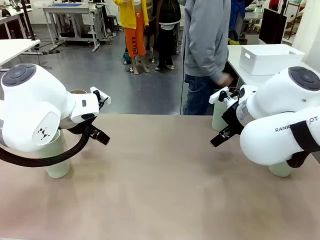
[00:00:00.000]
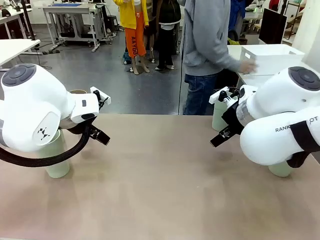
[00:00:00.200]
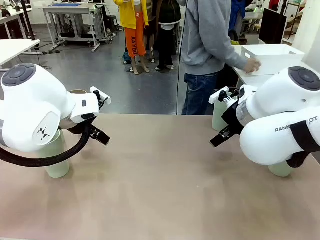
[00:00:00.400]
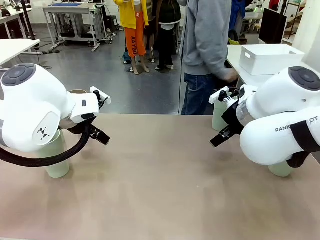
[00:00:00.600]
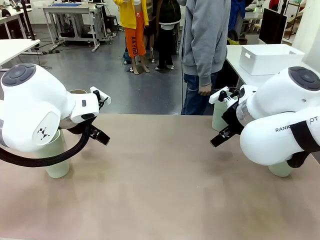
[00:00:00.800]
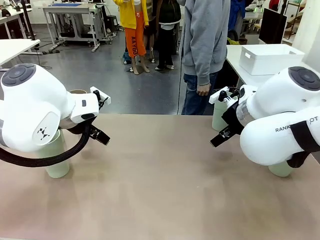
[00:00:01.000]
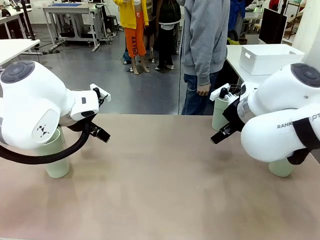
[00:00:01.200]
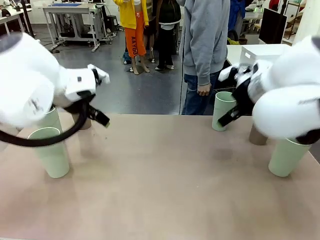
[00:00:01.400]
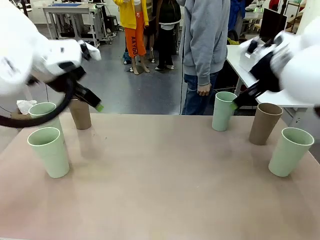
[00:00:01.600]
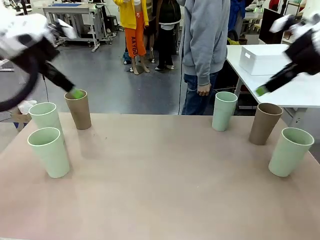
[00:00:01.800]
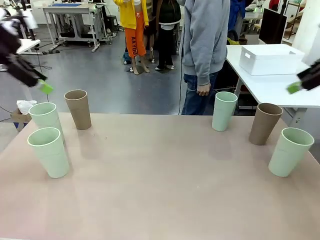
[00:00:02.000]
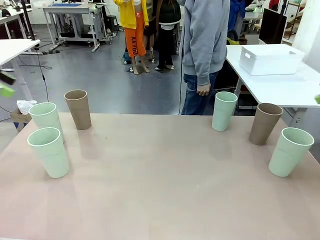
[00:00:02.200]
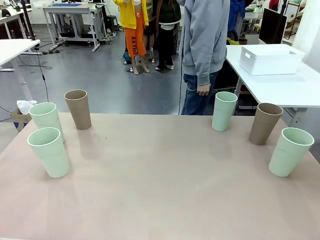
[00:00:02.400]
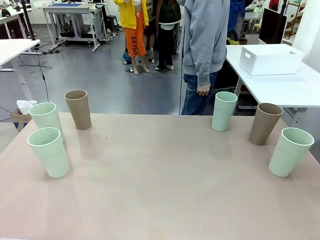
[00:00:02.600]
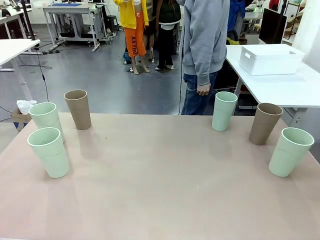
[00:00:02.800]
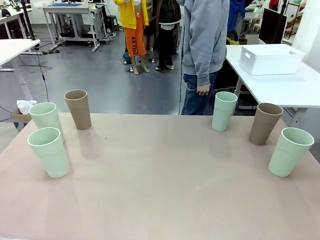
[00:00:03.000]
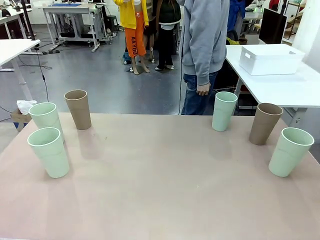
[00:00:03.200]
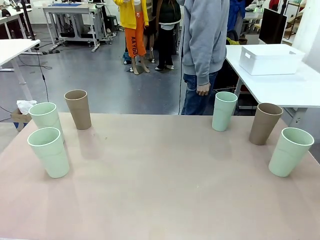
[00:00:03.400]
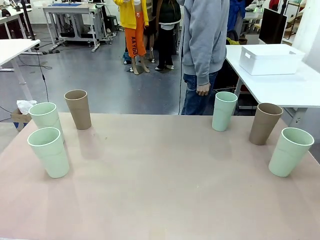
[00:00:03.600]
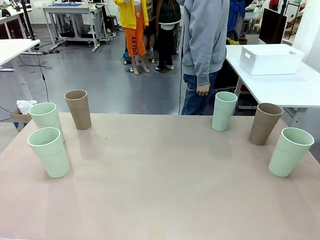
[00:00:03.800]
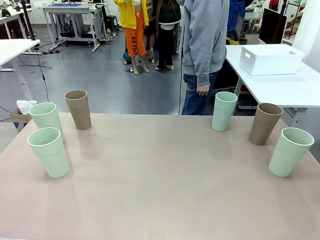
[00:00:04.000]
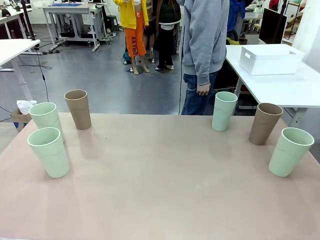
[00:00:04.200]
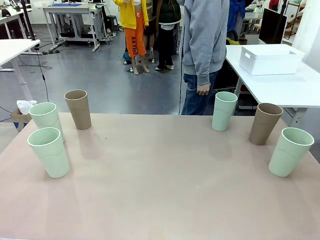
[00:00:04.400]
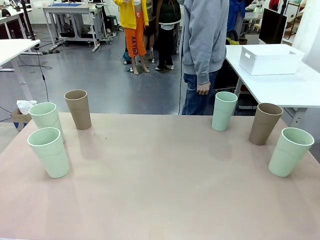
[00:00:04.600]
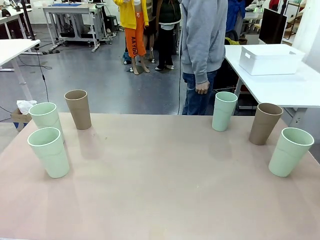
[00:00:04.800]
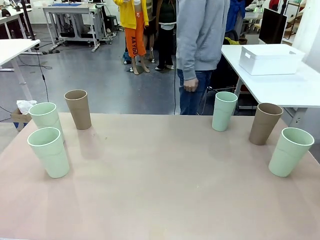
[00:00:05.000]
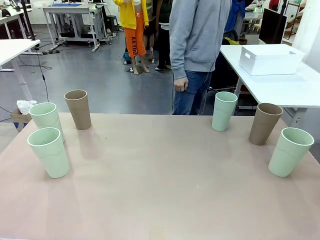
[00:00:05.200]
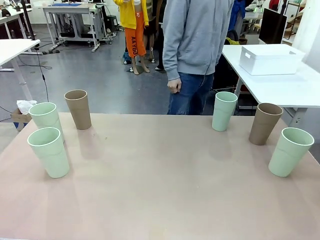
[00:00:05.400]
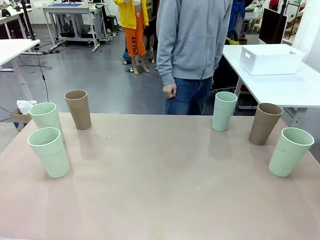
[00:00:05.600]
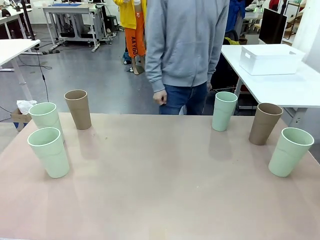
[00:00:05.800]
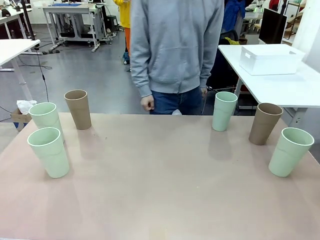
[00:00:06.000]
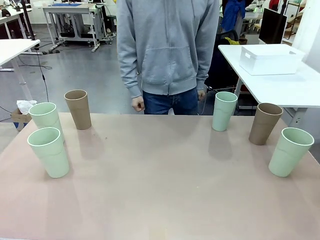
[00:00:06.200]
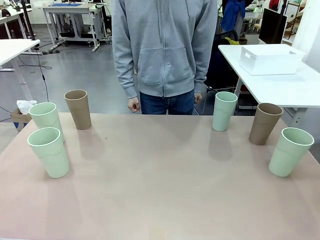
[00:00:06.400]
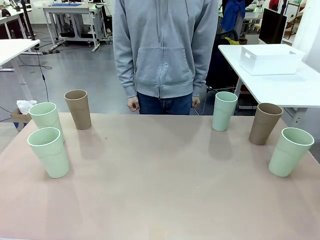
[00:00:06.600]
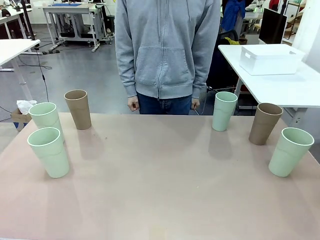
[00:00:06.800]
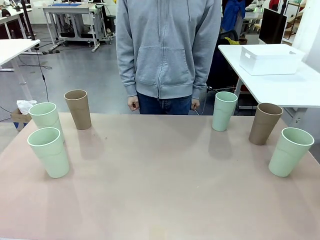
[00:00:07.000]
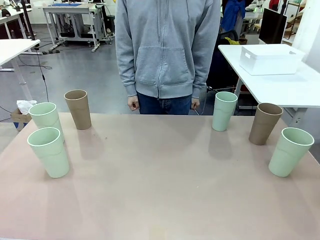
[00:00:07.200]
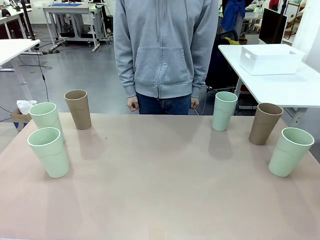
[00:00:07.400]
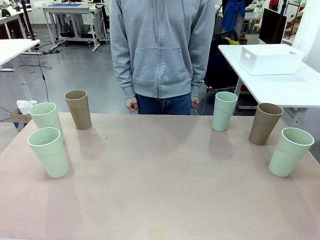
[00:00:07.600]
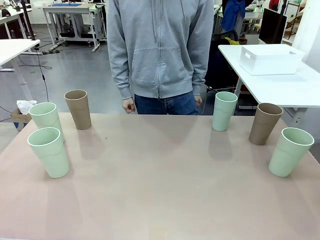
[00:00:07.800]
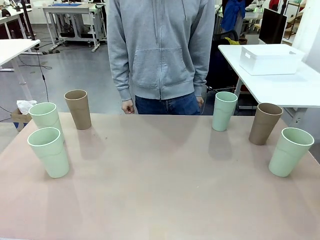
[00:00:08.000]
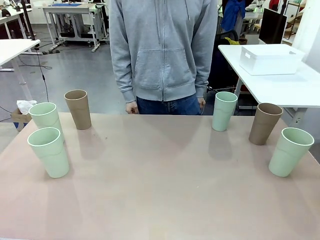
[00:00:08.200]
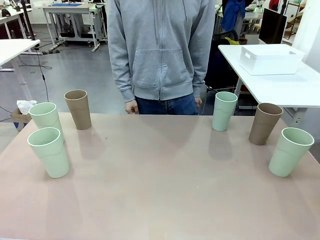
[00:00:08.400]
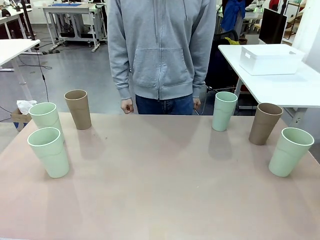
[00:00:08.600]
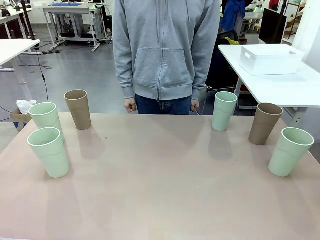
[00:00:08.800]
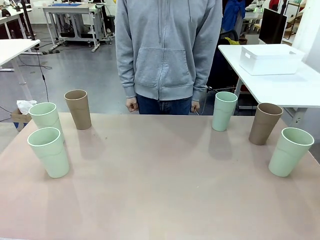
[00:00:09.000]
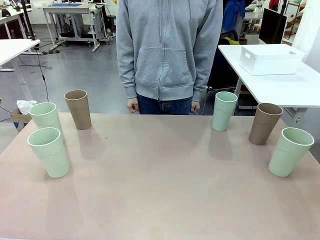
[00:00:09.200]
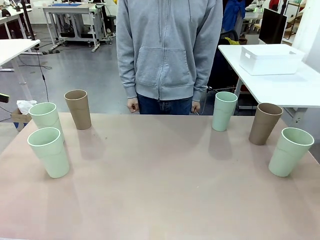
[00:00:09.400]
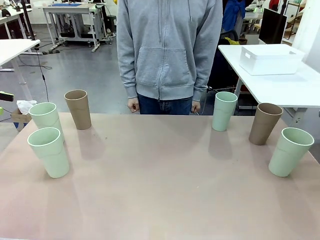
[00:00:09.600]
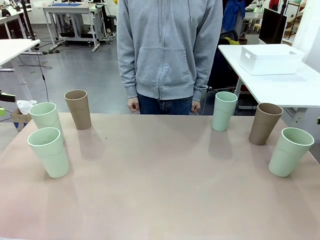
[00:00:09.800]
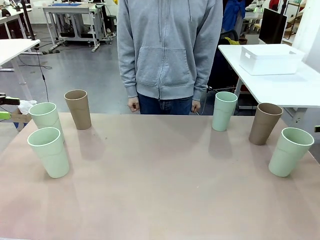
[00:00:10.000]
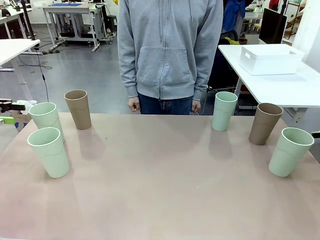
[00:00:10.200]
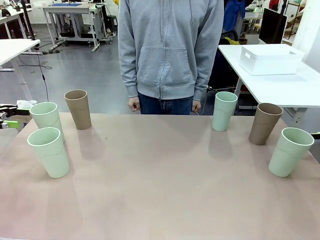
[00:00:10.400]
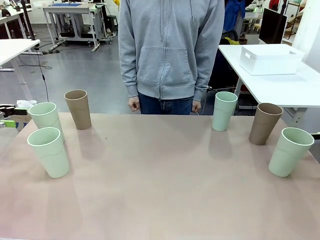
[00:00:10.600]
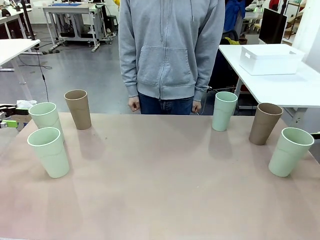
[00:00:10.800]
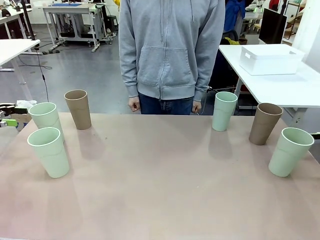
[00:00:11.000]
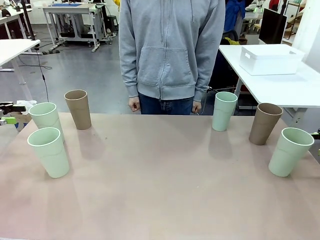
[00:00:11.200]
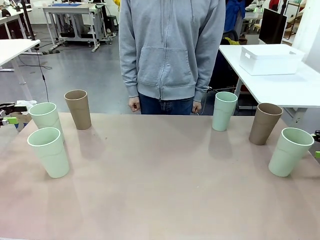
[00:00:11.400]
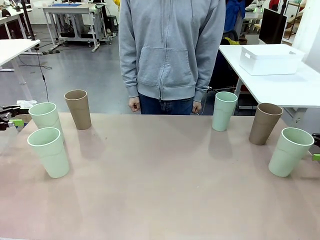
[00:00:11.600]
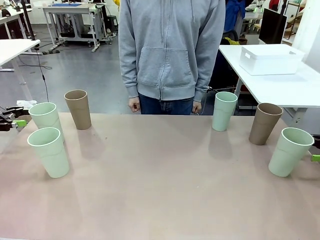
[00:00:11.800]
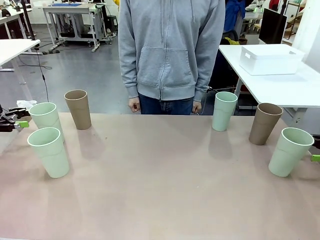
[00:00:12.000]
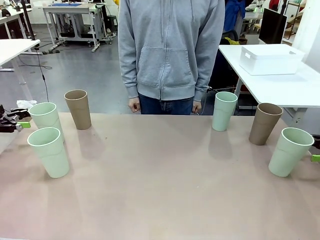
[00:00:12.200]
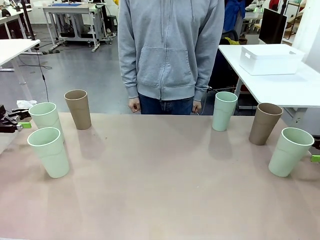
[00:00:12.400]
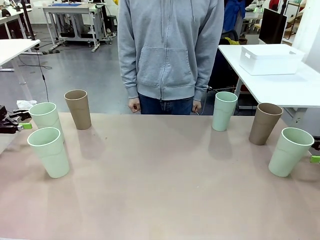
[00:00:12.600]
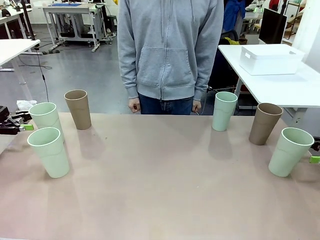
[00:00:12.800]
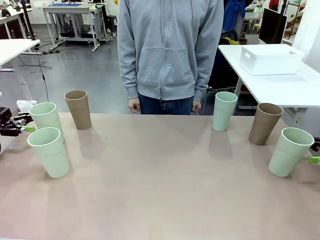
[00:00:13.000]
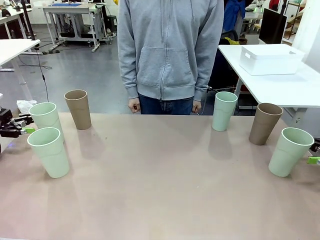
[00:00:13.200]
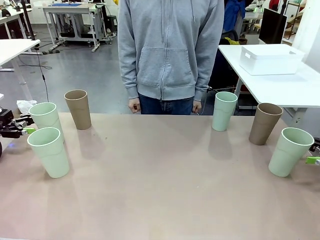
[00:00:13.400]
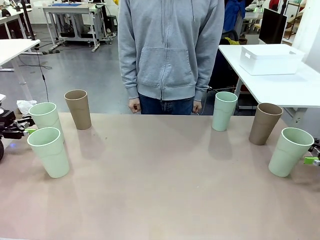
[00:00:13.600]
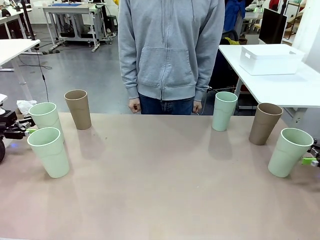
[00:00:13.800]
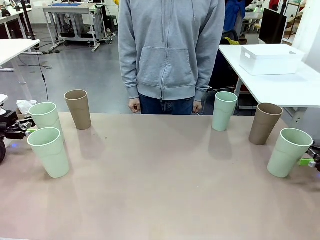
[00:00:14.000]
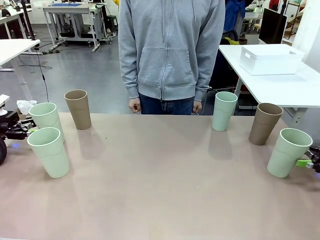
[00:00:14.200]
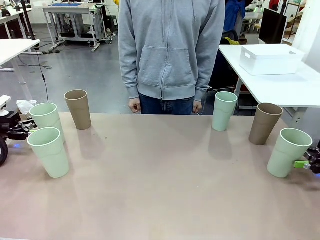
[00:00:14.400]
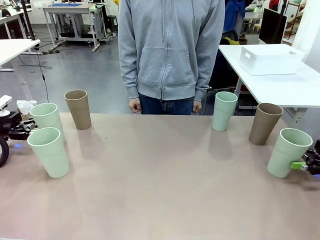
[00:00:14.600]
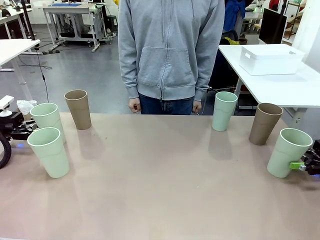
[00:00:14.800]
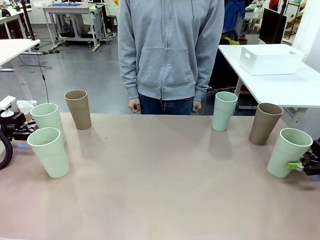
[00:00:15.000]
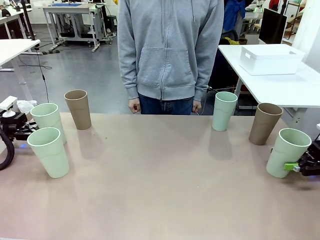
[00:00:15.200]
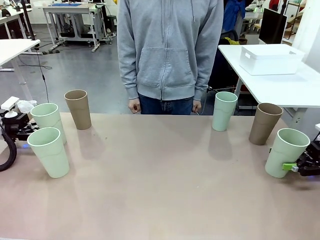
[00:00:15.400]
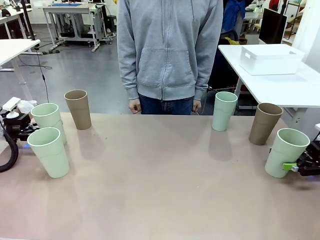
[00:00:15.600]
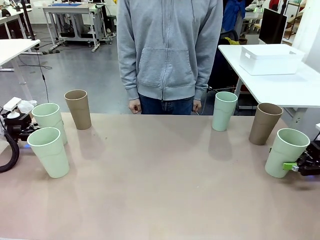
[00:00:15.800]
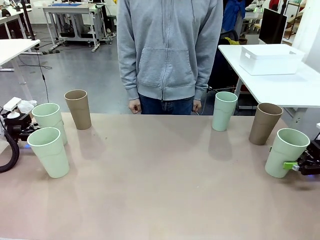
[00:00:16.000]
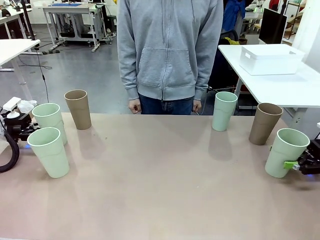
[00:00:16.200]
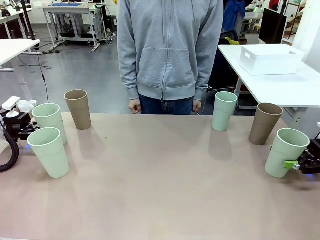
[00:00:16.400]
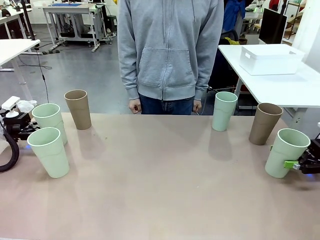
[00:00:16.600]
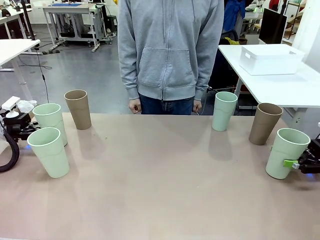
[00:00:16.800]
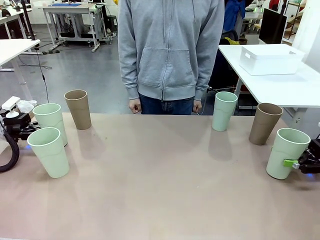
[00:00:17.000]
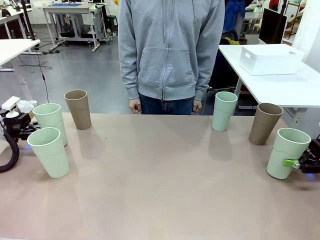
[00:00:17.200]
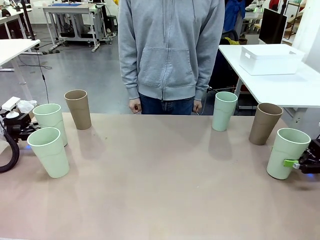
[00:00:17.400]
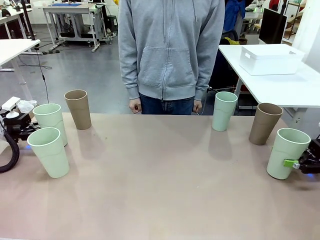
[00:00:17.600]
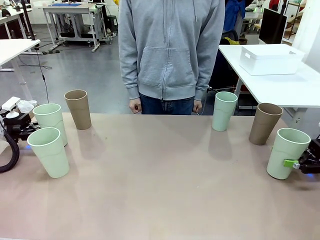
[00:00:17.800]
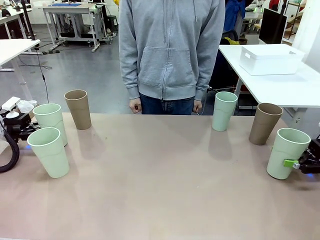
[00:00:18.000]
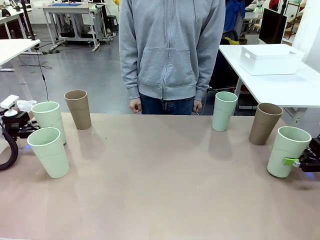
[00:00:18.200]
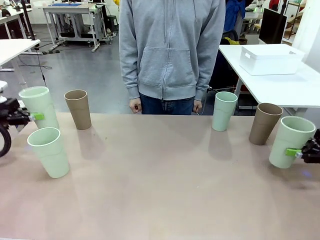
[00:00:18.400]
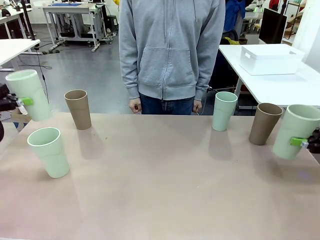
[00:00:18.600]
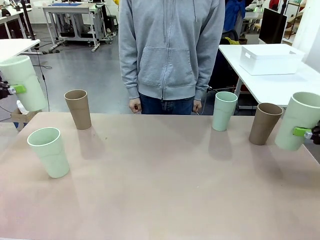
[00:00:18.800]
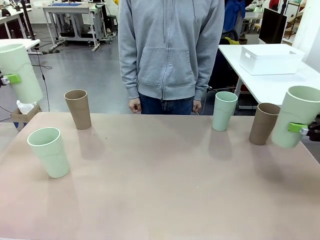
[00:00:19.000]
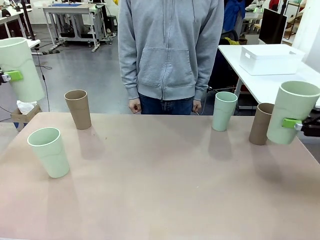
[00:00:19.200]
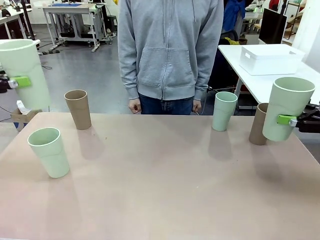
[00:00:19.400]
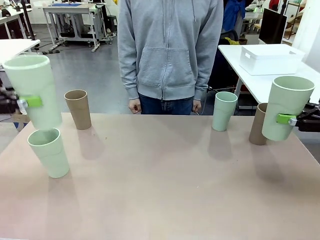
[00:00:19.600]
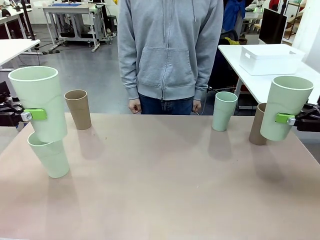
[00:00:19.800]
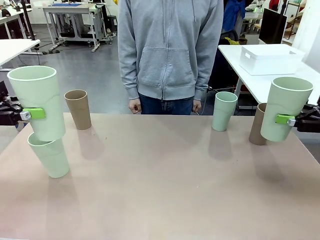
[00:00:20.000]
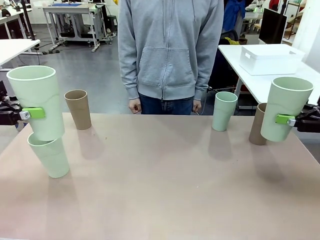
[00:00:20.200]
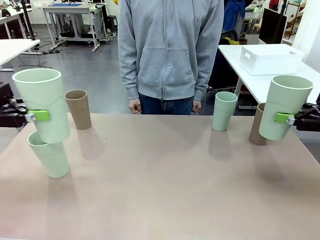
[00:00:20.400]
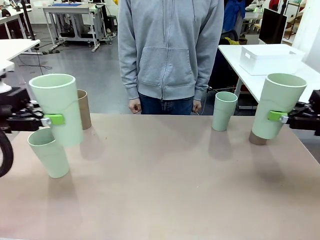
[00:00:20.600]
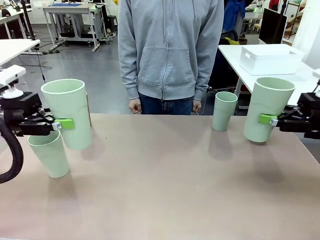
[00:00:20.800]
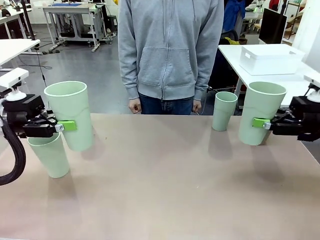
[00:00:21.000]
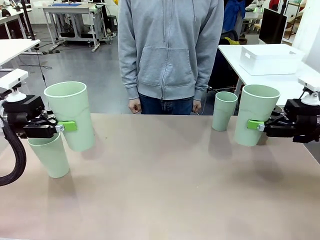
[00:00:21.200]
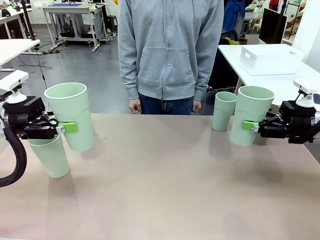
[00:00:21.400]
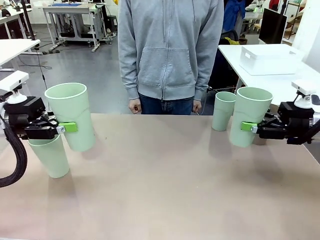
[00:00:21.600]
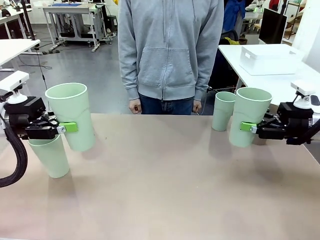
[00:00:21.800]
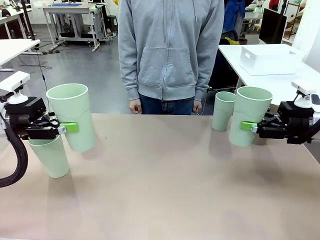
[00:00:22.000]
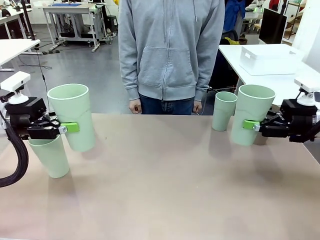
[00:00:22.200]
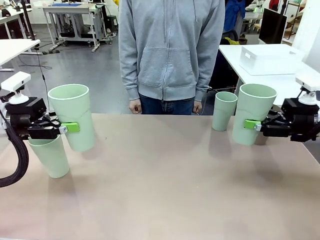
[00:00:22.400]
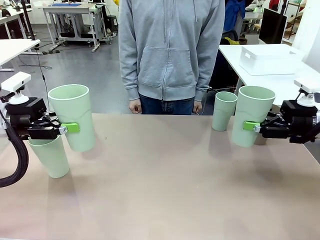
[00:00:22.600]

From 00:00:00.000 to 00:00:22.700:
Task: Stack the cups and store them in the basket.
Robot: Pick up two Reusable plastic cups , one in each hand.
Person: Move from the Human Table to the front of the Robot Table. Stack two of the remaining cups on top of each cup held by the robot.
